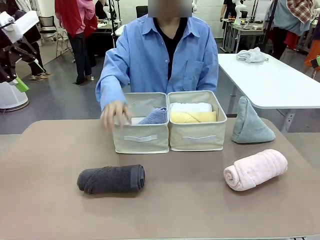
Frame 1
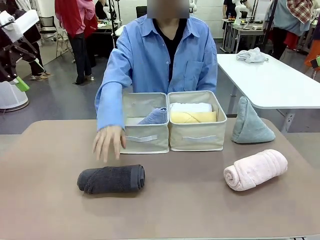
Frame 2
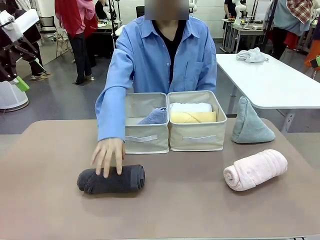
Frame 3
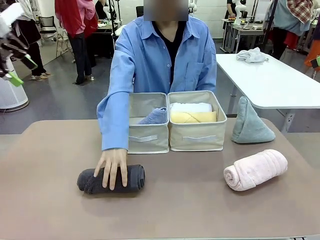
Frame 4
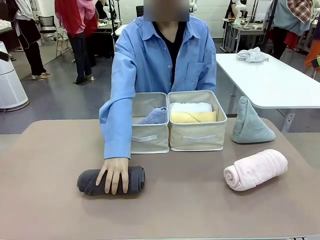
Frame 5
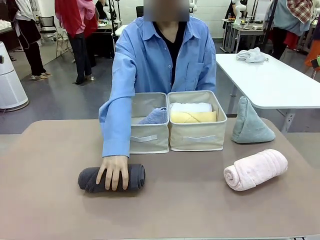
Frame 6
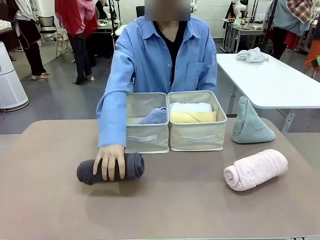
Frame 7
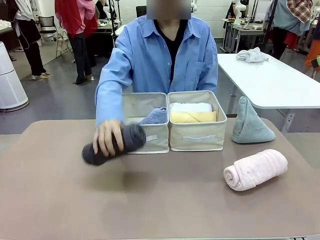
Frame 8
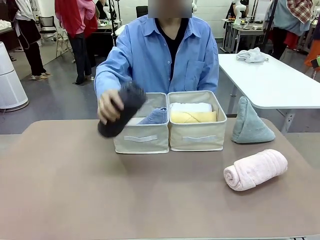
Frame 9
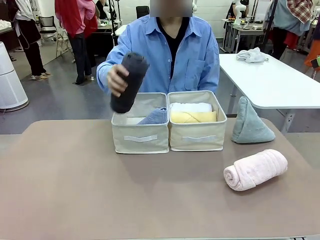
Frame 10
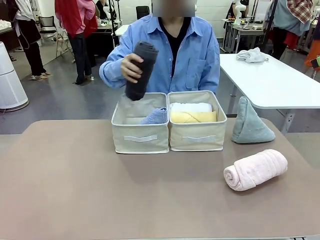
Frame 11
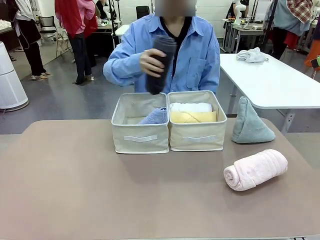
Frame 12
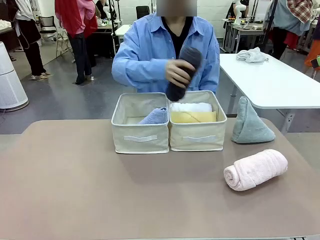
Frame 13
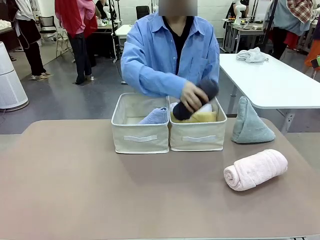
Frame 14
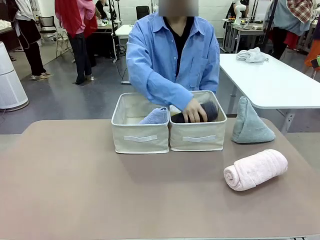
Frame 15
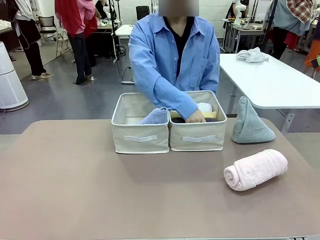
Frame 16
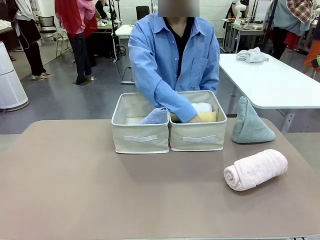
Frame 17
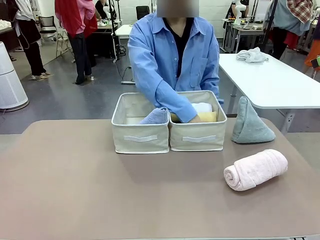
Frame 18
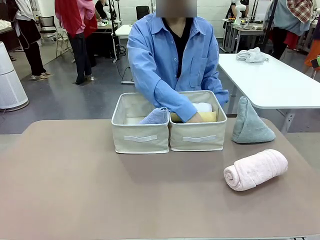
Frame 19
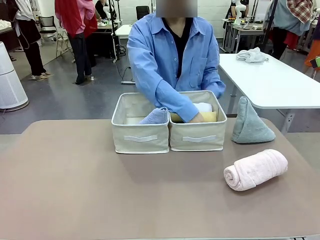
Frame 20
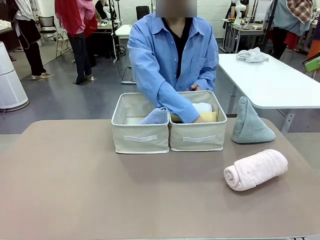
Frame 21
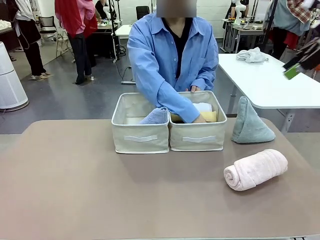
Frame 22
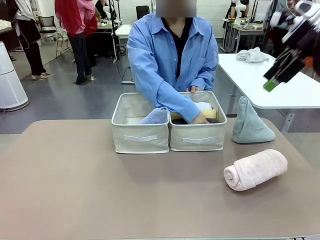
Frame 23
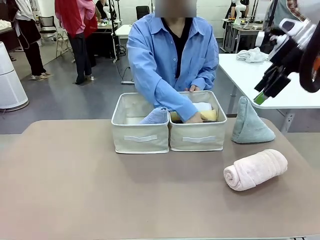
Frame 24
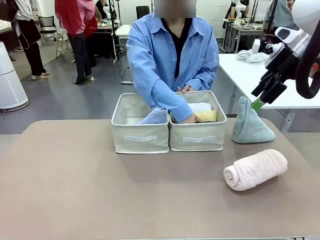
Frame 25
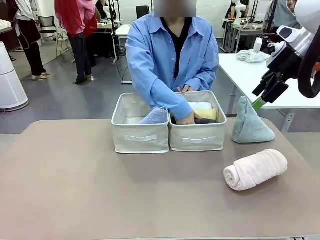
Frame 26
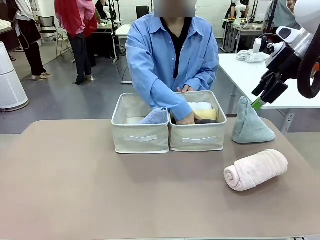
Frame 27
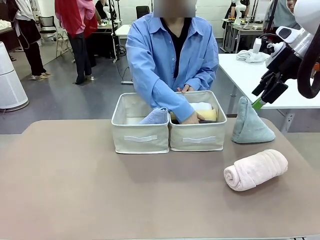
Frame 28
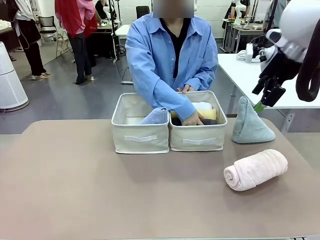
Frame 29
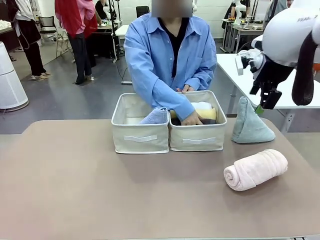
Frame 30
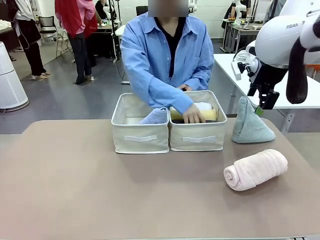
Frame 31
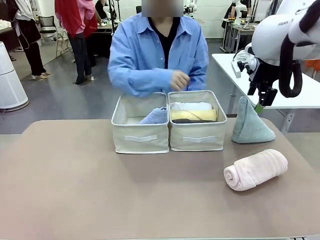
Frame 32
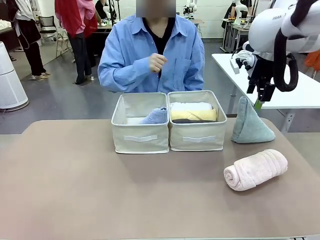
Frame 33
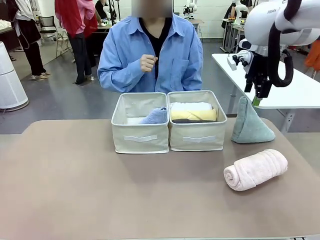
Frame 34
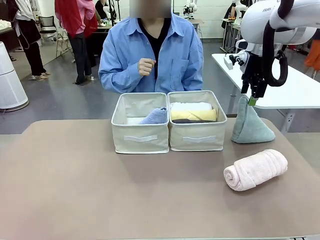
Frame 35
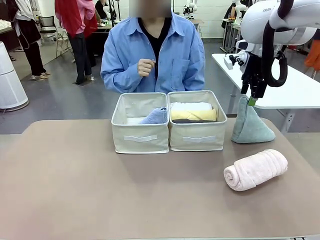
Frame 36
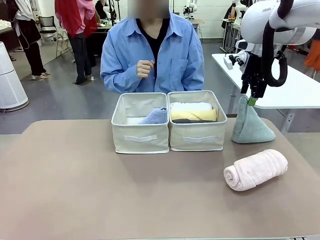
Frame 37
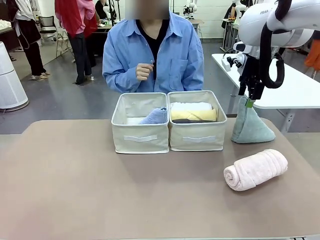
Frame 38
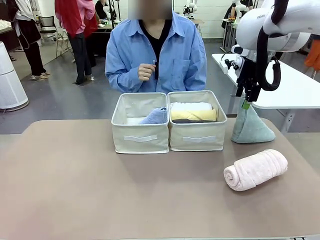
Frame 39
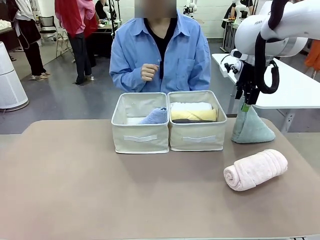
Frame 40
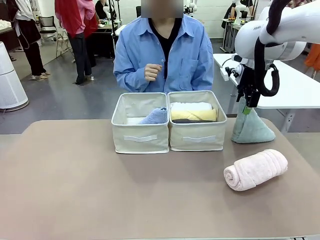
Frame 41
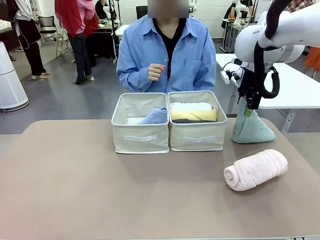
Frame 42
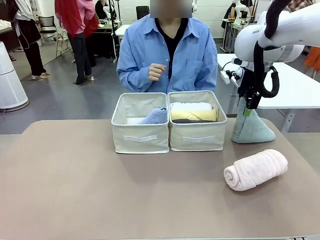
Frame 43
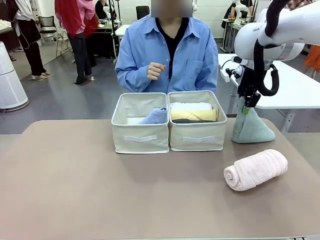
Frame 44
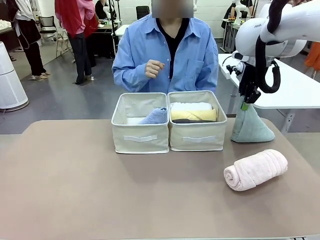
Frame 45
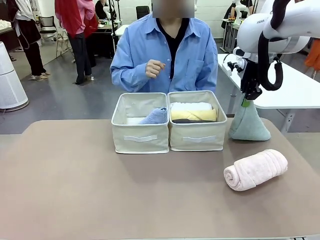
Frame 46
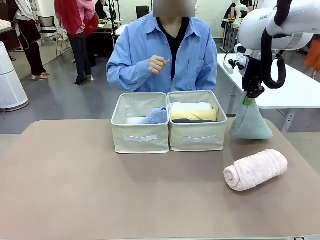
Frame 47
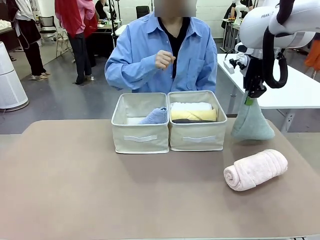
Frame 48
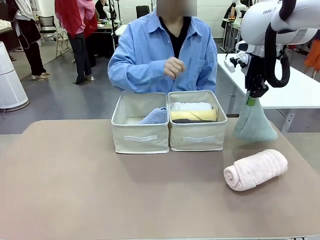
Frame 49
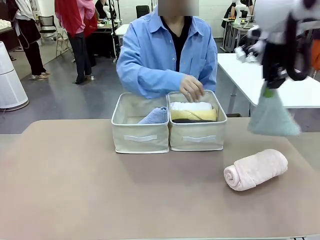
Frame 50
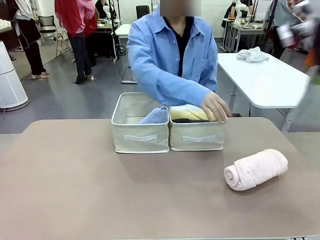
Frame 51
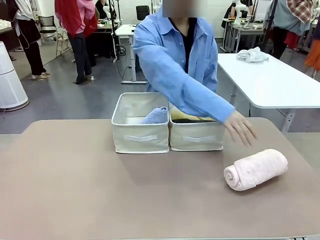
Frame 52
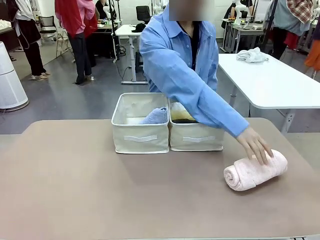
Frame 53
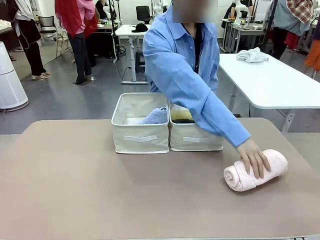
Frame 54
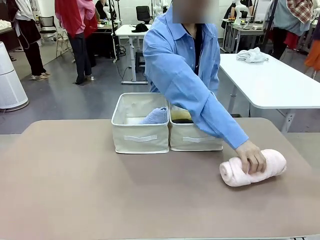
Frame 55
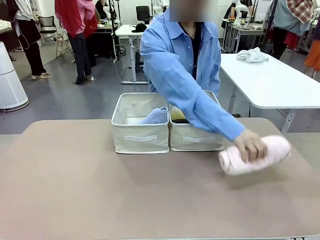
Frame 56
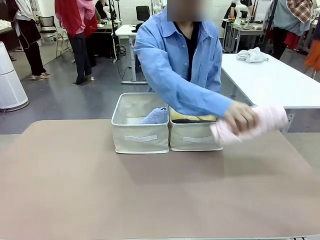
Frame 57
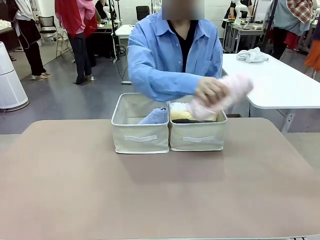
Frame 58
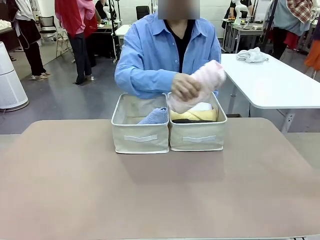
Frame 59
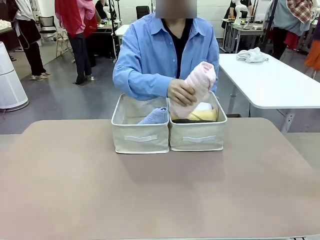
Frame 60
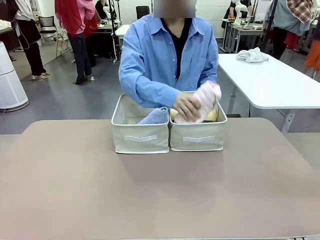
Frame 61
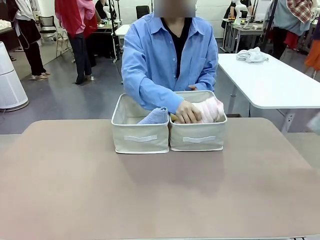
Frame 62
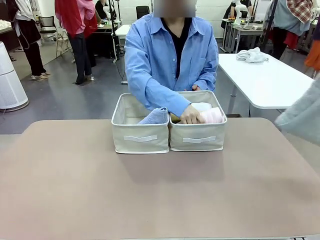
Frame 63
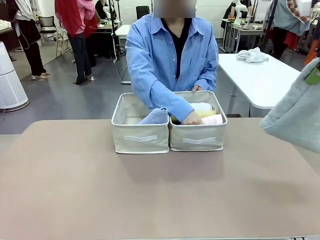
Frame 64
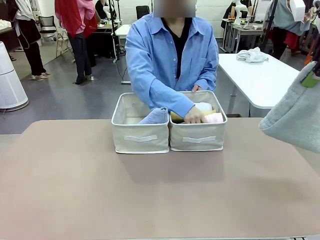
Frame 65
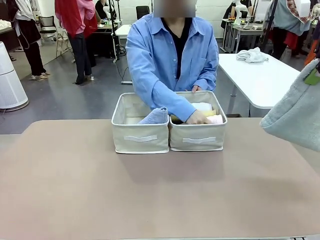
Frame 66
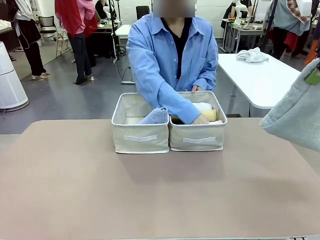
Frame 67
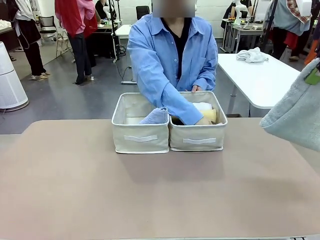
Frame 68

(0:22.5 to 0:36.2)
Task: Sort the towels based on their folding style.
Robot: Pick up another triangle-folded towel from the table and place it in the left Fabric basket.
